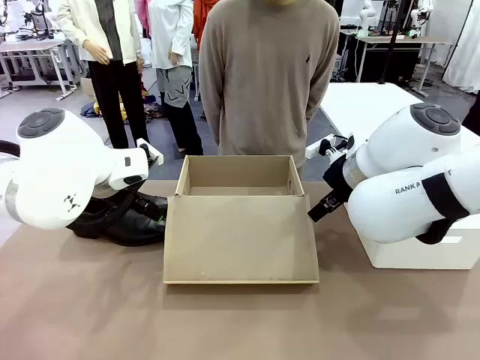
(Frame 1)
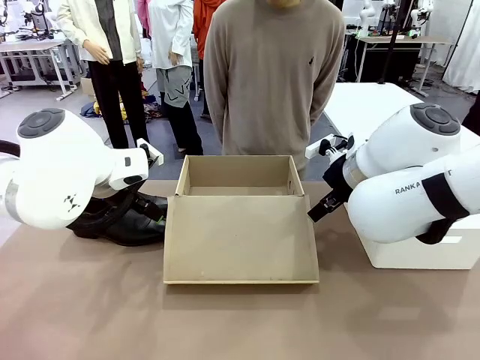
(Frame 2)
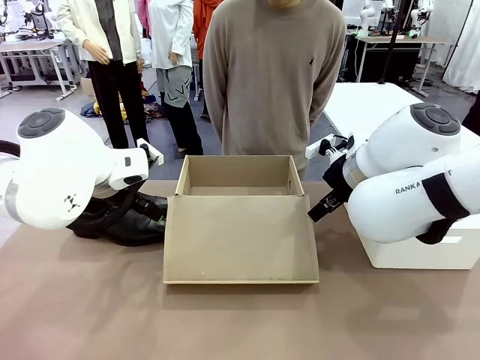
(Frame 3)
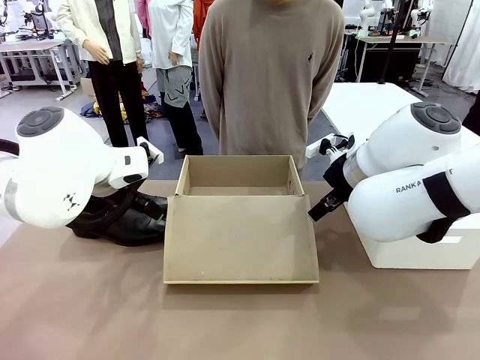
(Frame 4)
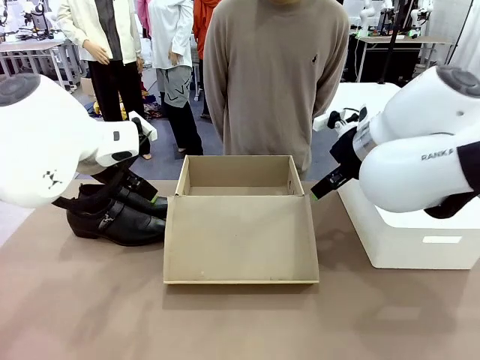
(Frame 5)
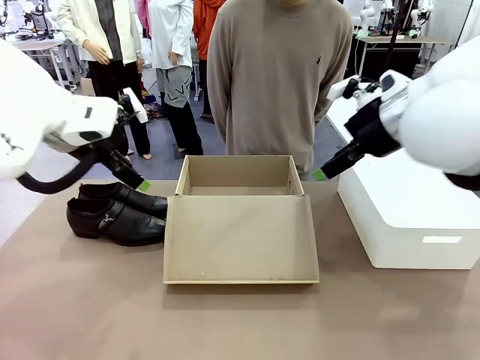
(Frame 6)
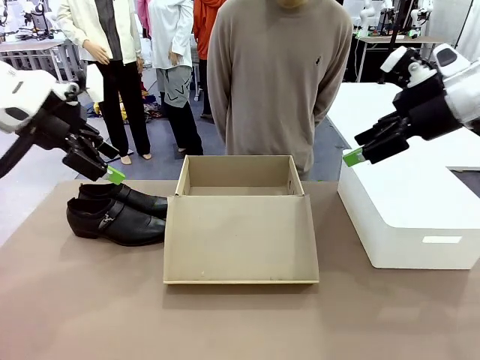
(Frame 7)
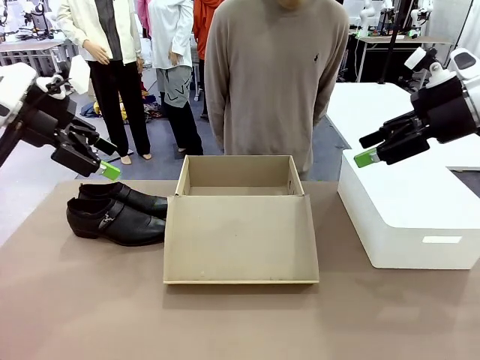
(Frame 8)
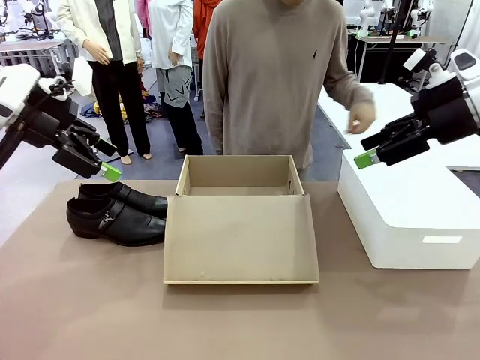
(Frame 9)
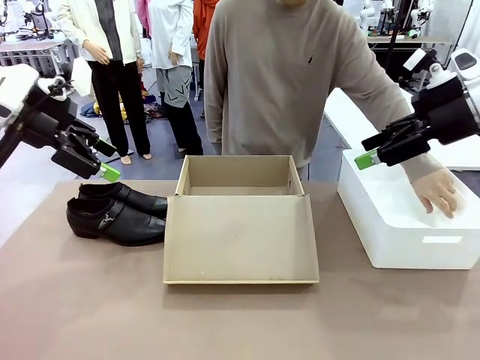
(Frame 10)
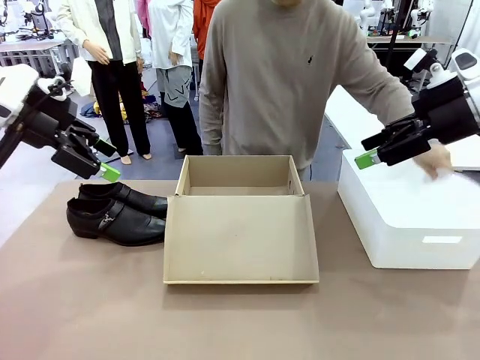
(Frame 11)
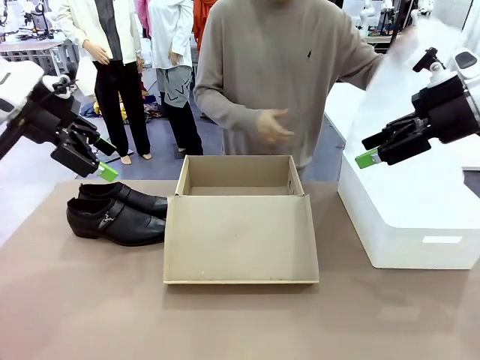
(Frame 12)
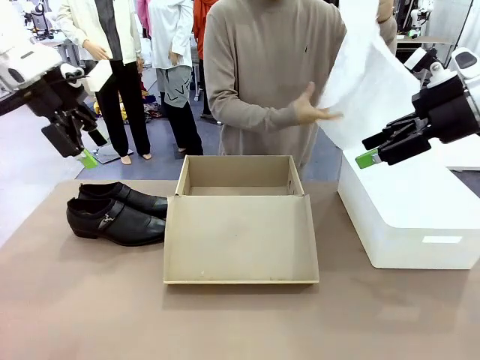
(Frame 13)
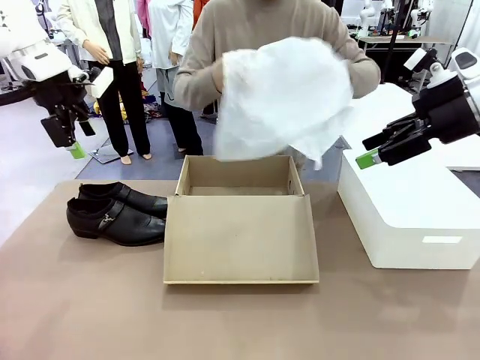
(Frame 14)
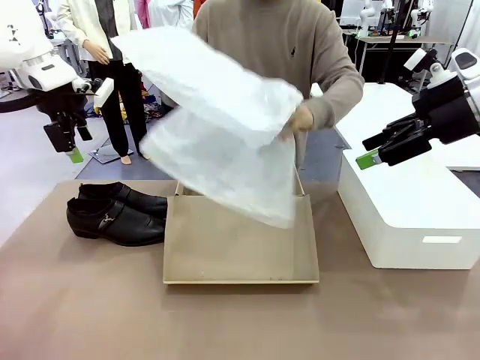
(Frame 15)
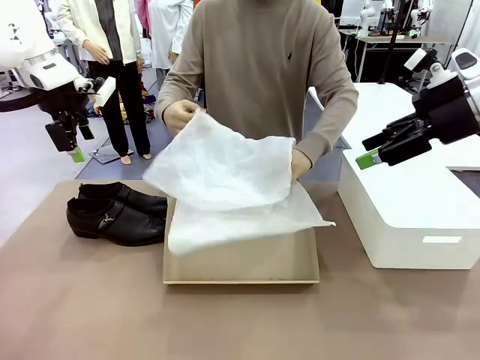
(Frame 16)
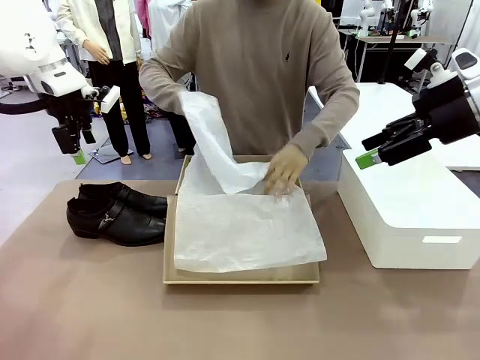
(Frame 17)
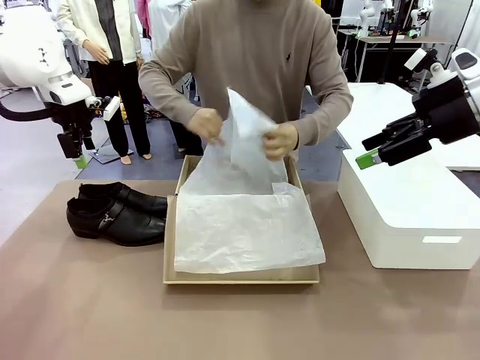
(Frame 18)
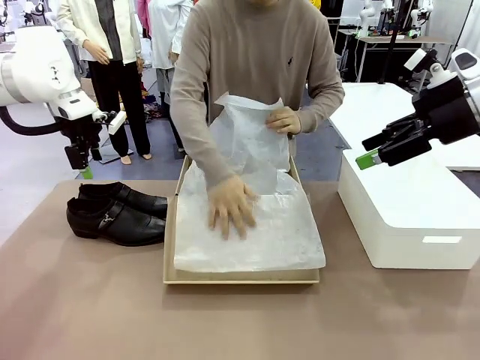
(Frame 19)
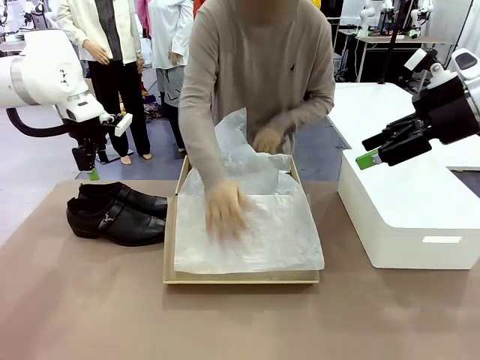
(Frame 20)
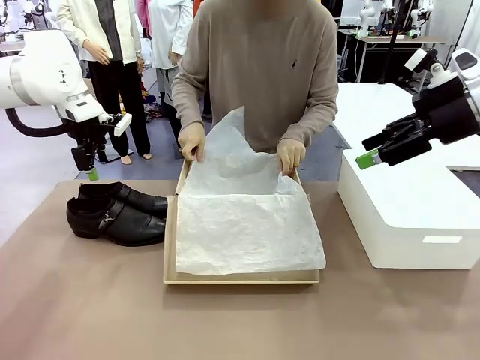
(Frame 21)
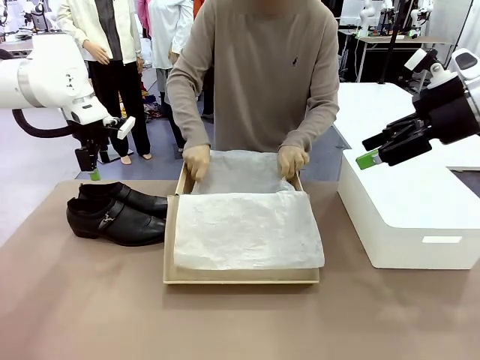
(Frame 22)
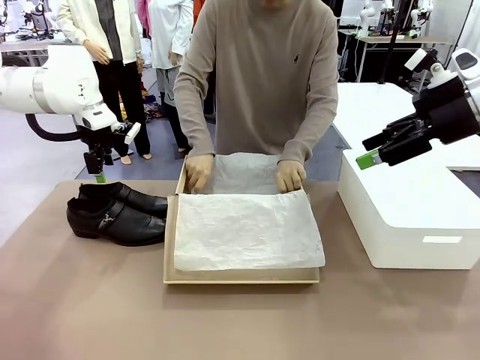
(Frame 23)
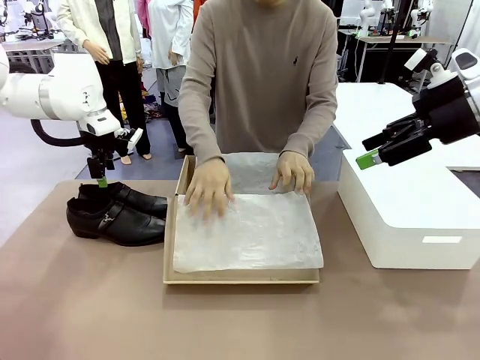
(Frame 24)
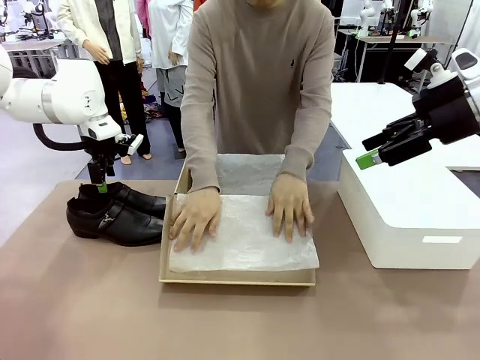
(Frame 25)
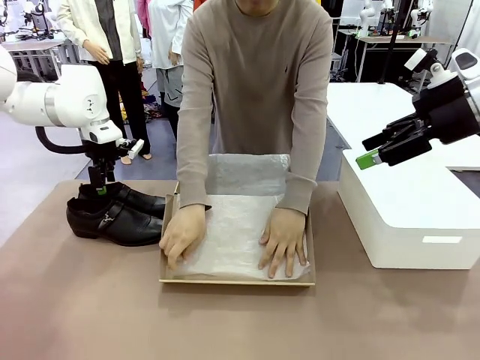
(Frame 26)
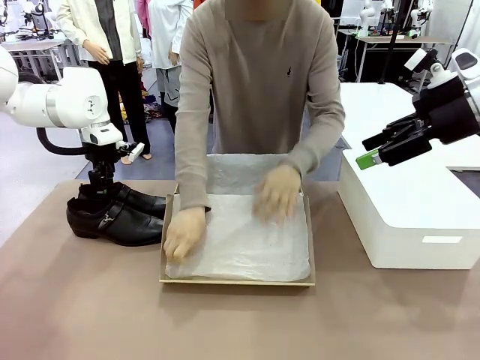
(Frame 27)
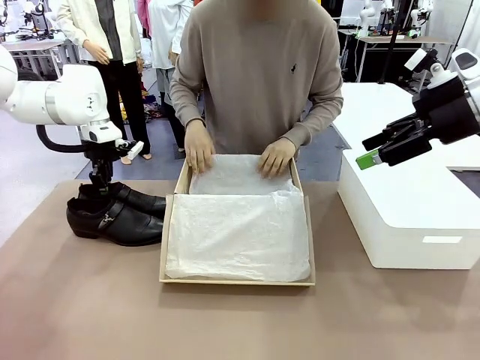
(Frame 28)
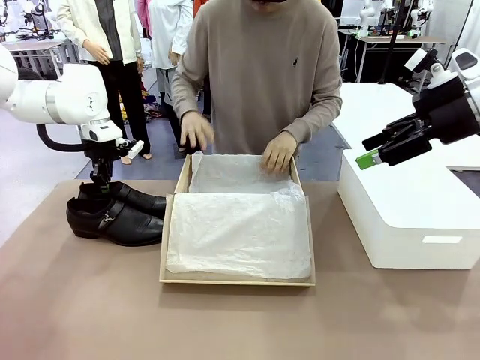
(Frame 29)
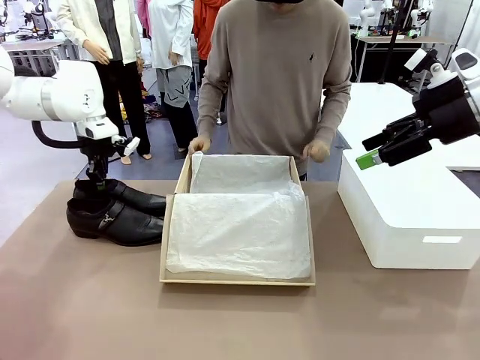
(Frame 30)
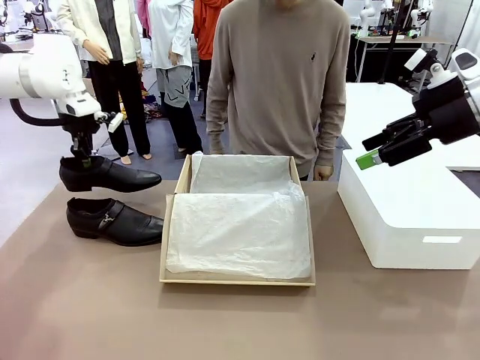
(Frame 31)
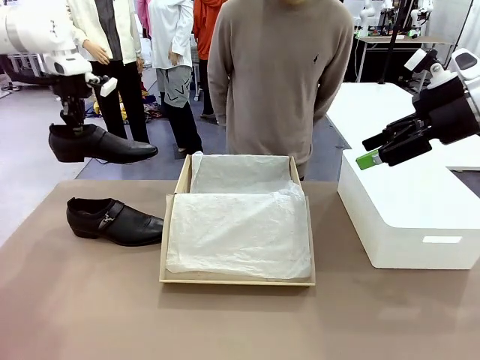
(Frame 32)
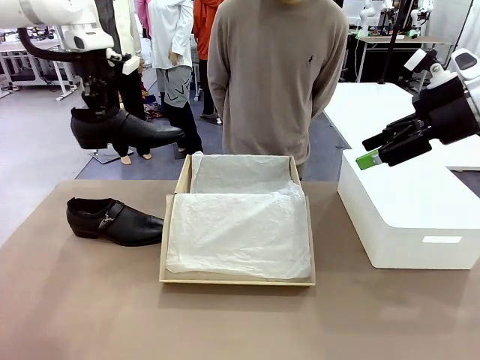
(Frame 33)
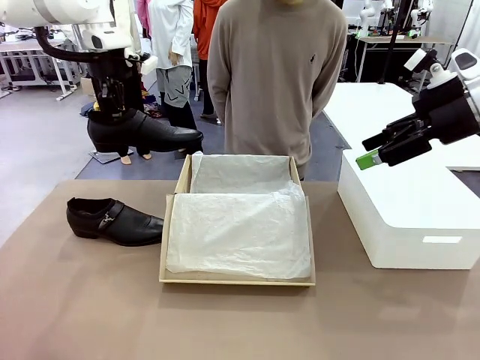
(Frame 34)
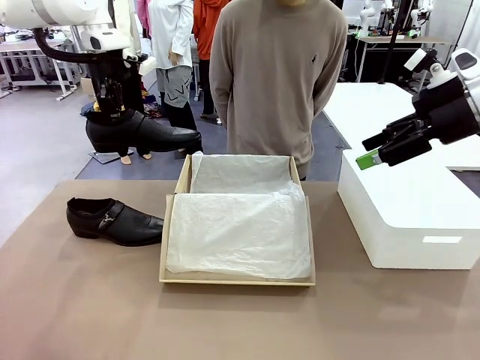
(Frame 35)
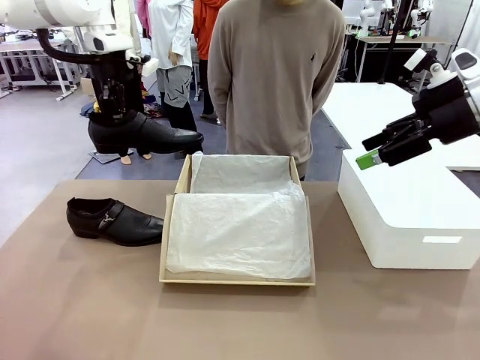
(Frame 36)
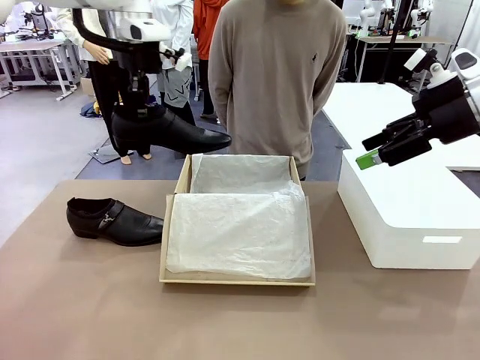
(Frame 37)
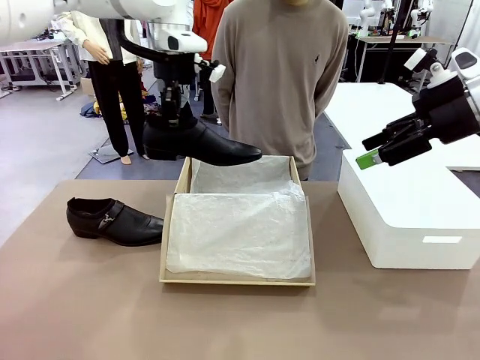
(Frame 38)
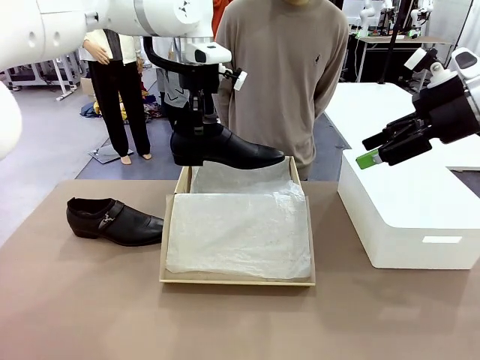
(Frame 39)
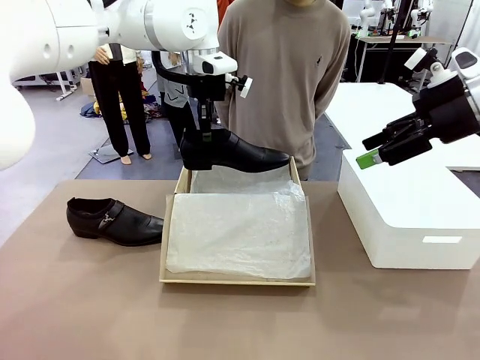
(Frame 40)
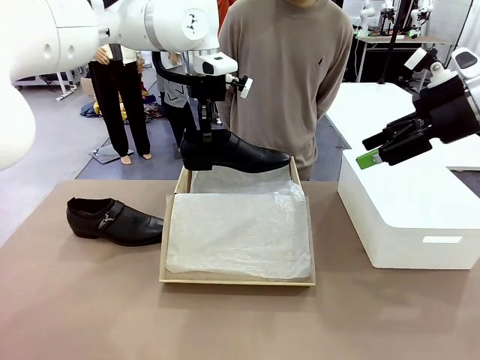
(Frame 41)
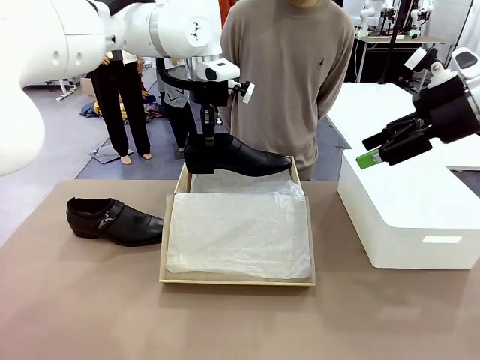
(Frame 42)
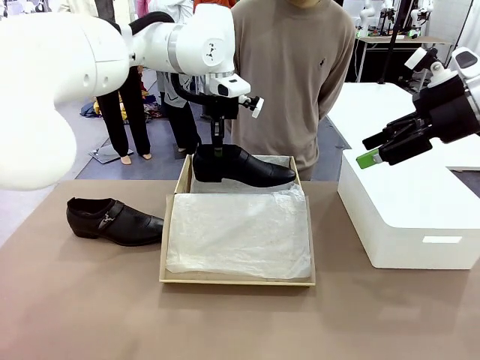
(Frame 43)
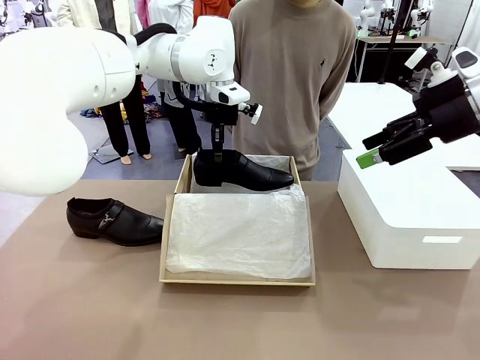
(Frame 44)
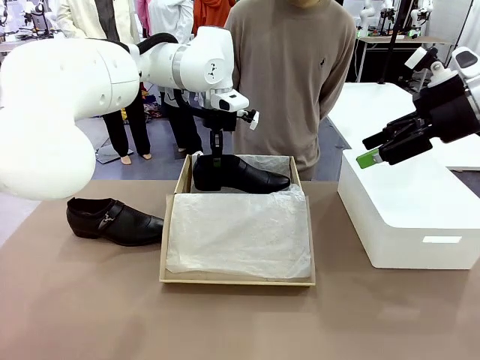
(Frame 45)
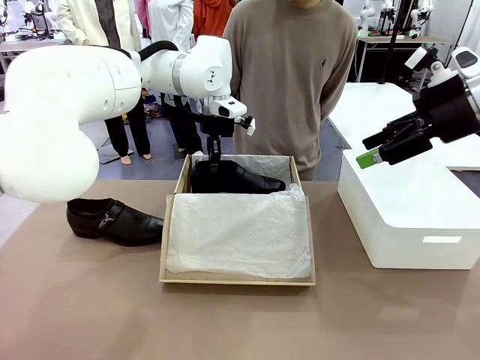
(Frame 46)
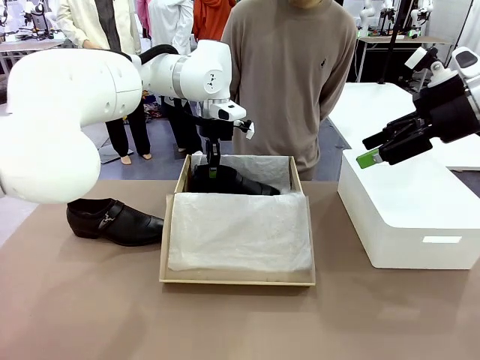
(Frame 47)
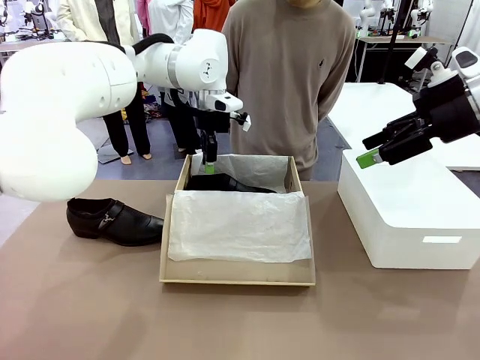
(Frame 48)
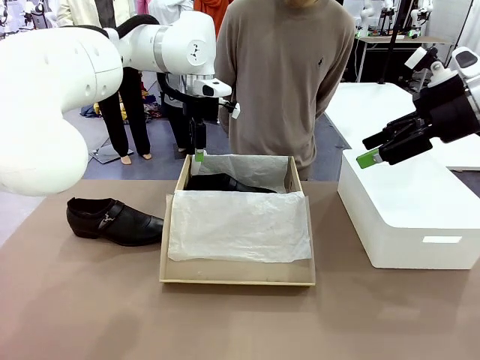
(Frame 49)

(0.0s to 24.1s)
Task: Pack the shoes into the box.
Robot: Place one shoe of the Shoes into the Shoes Box.
Person: Spread Shoes Wrapping Paper and place inside the Shoes Box.
